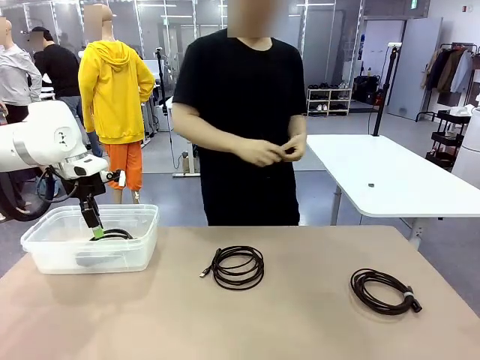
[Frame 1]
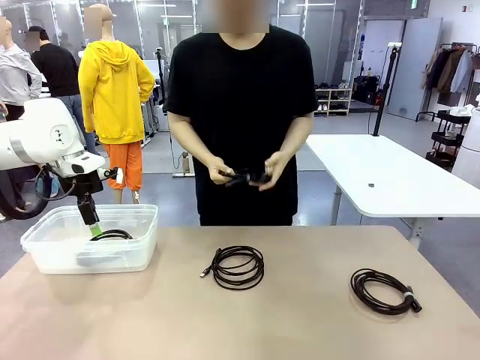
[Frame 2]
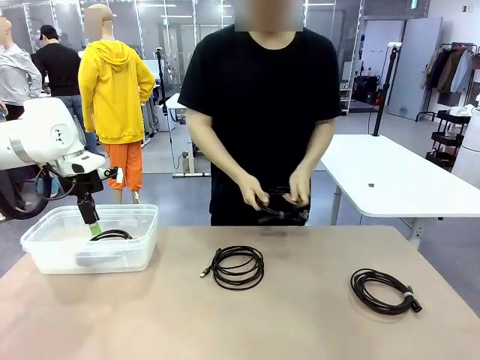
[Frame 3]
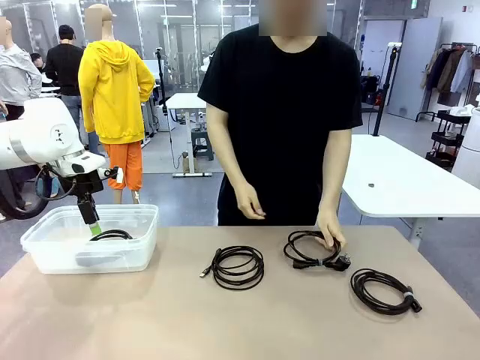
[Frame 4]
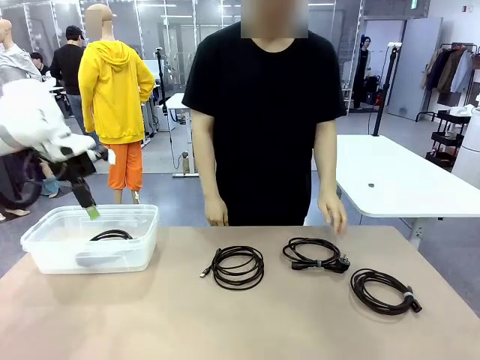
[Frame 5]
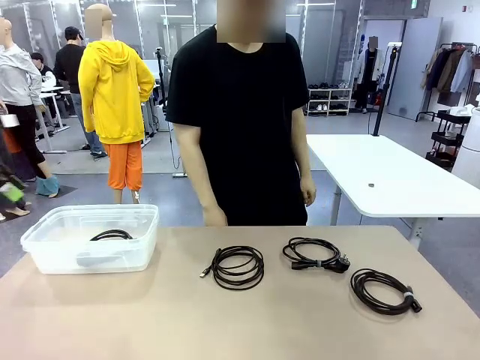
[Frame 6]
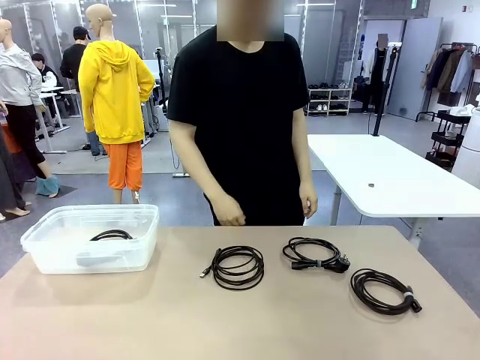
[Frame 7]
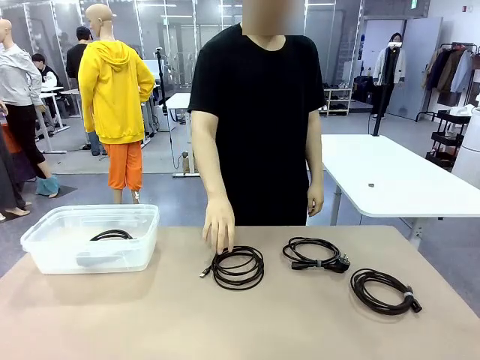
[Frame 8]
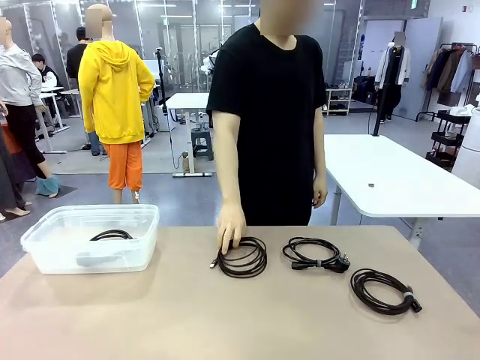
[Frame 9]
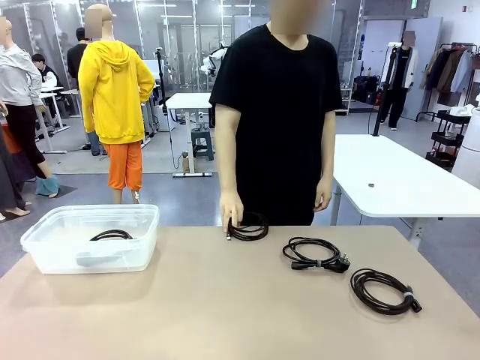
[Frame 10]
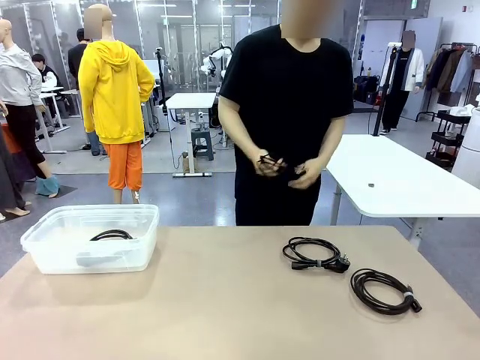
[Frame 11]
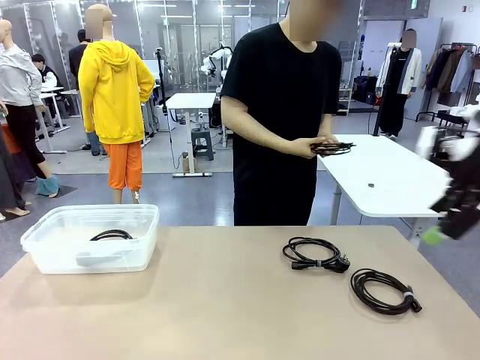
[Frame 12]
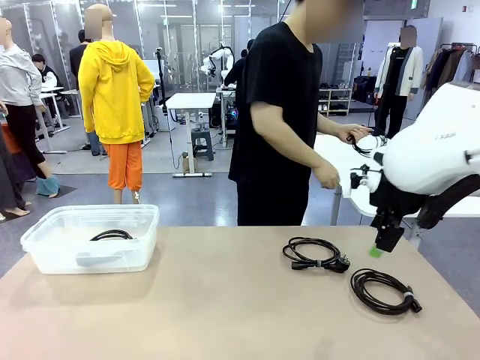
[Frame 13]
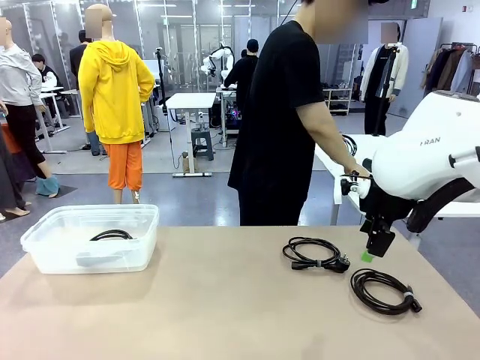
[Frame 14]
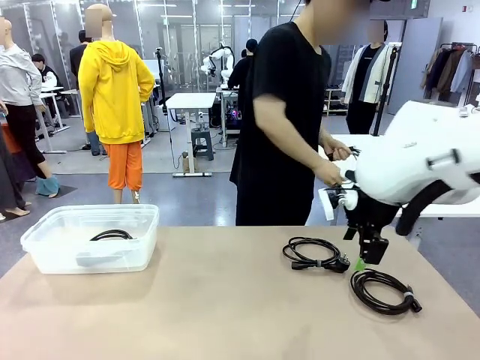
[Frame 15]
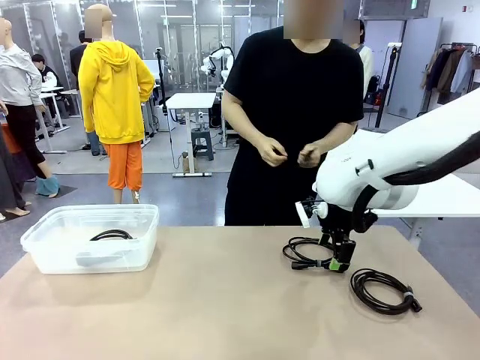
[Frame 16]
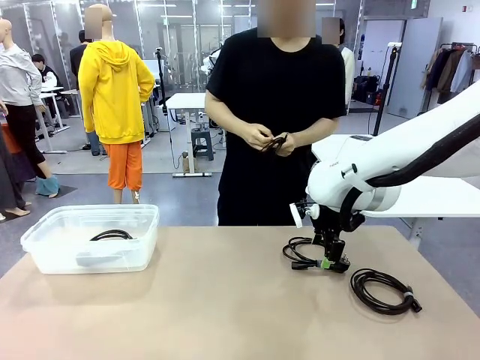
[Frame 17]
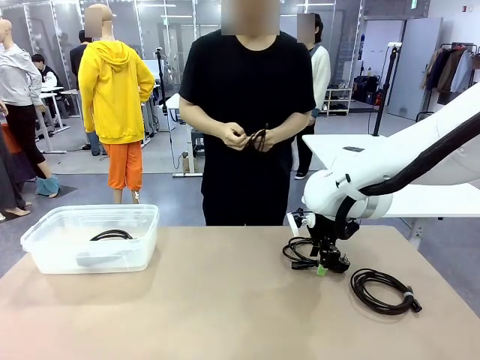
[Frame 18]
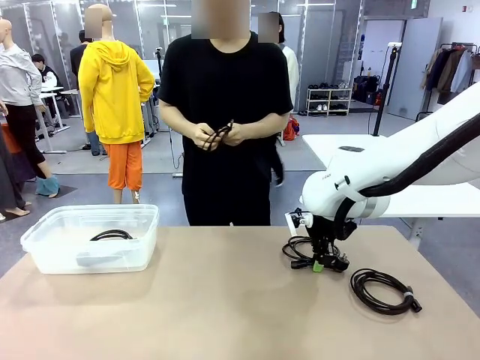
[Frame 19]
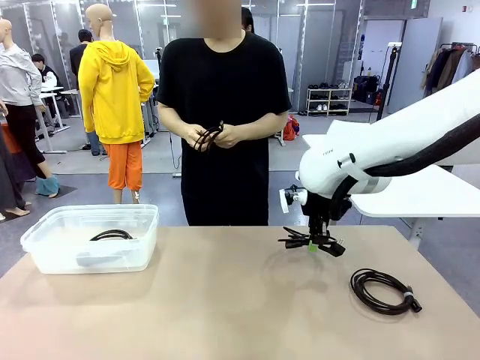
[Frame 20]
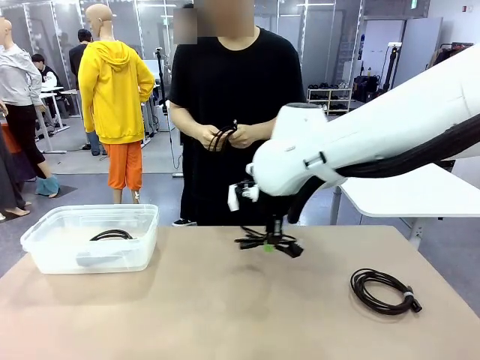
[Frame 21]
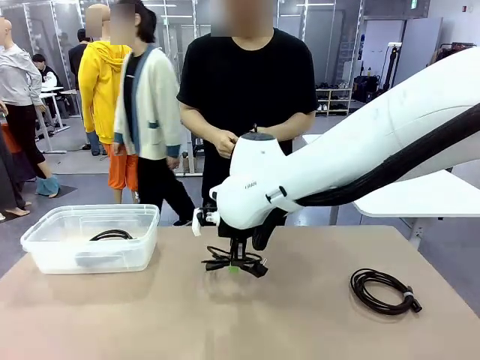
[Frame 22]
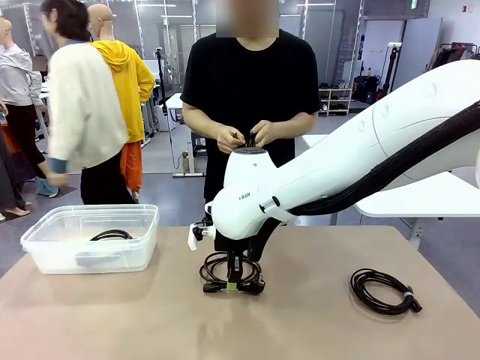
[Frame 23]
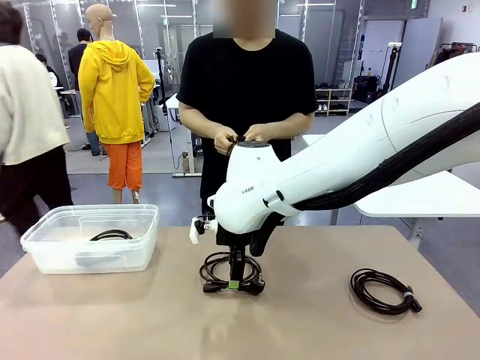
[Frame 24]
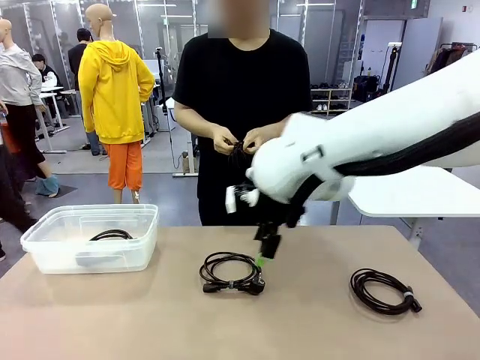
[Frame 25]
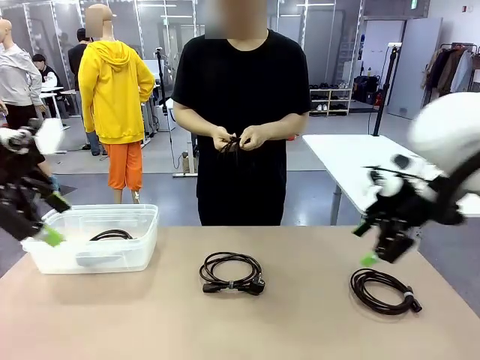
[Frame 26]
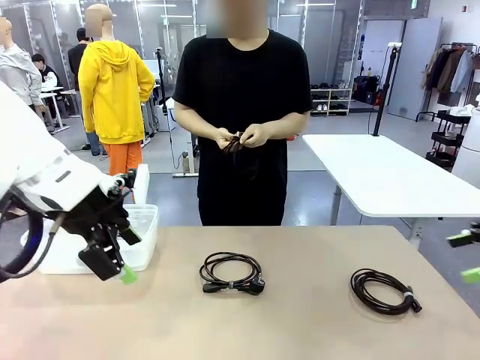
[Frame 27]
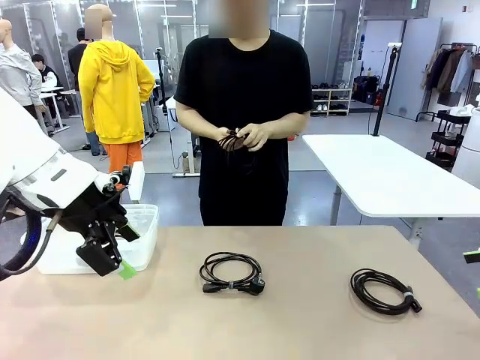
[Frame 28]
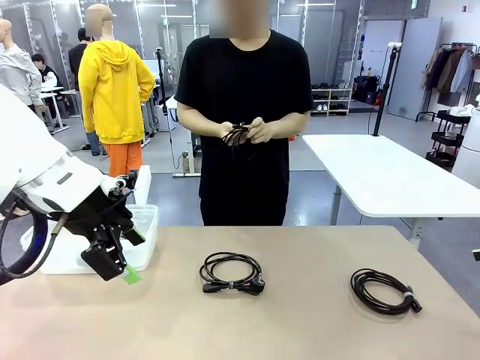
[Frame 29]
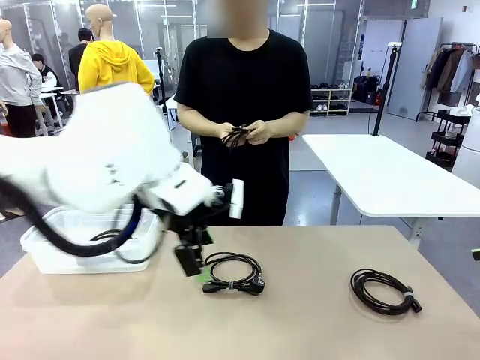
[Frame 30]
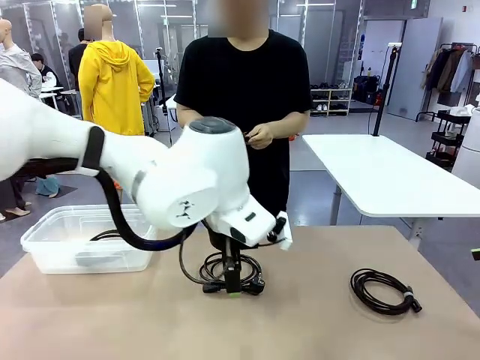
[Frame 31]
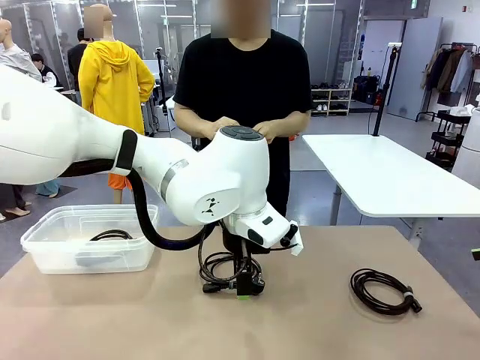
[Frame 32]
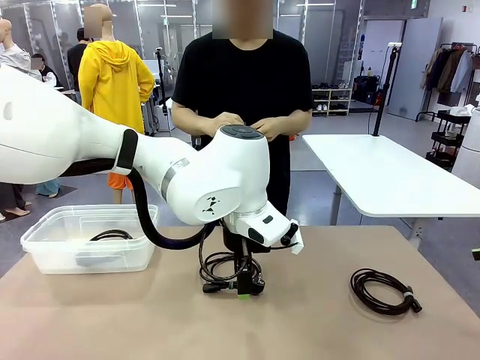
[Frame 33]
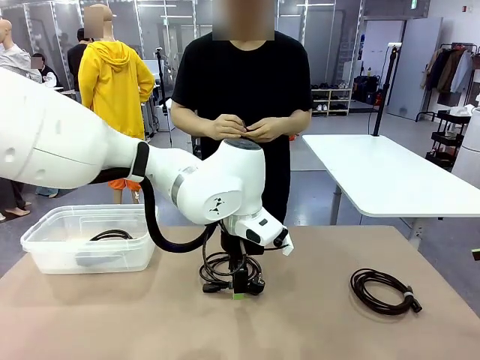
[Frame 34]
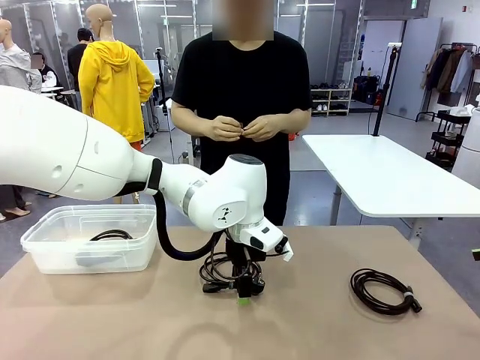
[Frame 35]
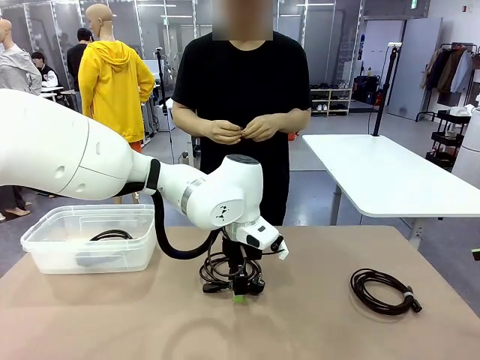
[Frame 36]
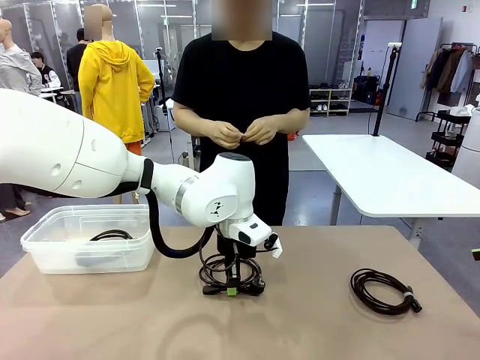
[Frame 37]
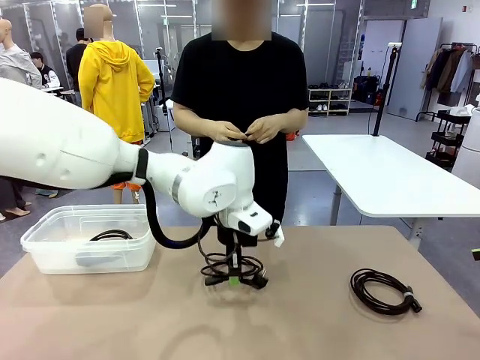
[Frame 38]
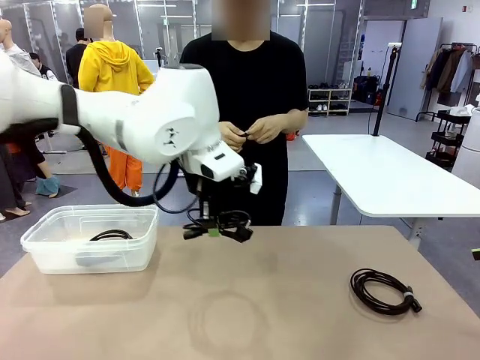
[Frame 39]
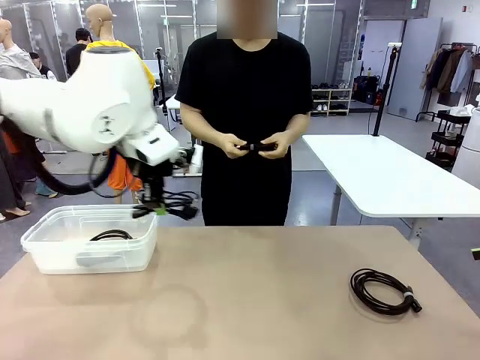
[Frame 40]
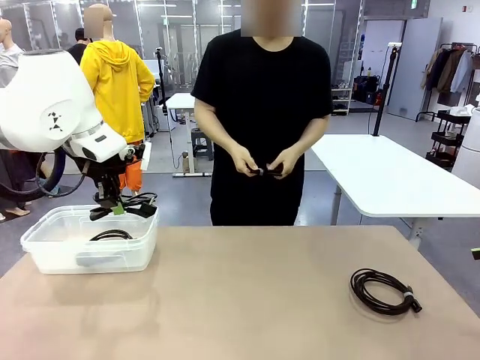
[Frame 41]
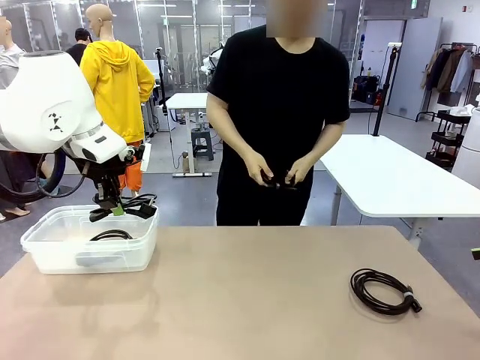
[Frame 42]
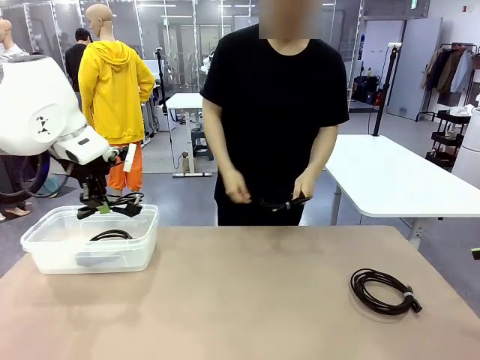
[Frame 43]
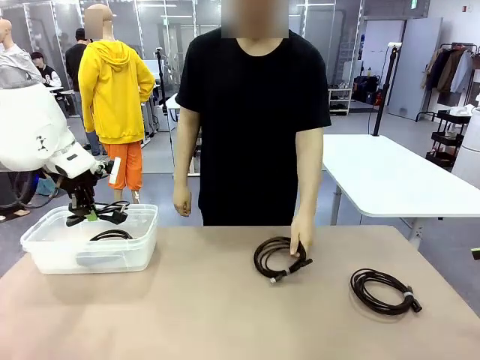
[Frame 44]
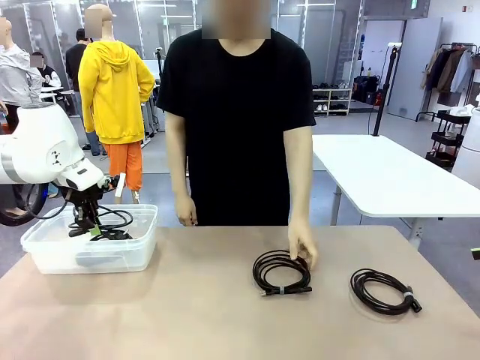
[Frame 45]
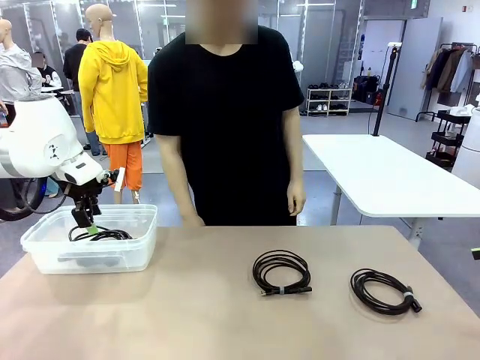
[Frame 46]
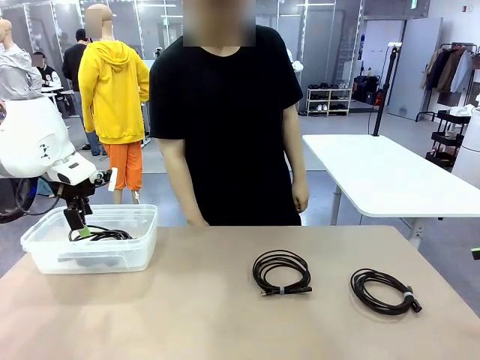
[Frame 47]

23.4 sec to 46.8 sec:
Task: Organize and store the cables.
Robot: Place the Power Cable into the Organizing box.
